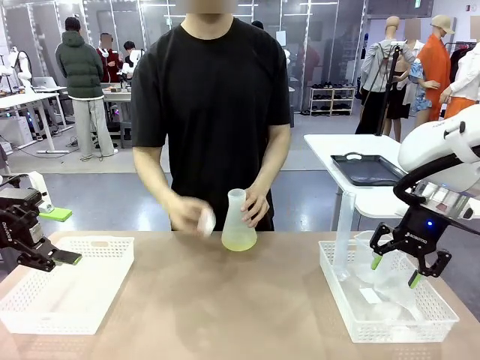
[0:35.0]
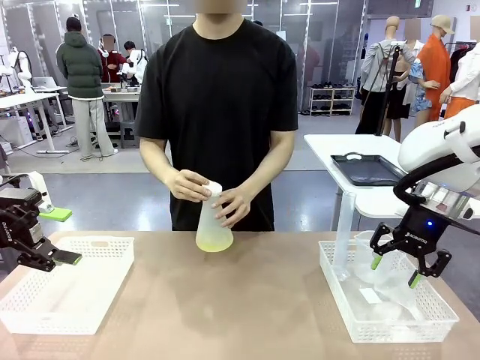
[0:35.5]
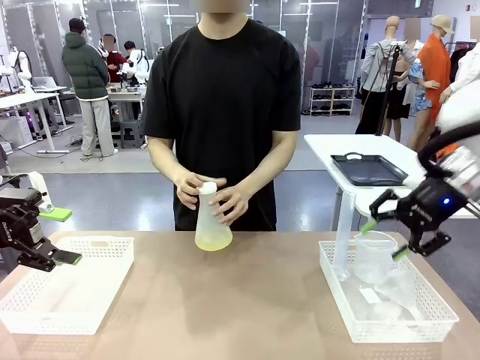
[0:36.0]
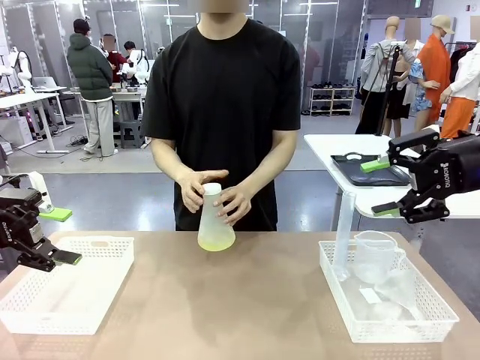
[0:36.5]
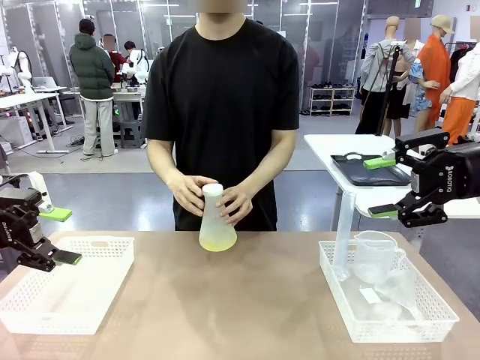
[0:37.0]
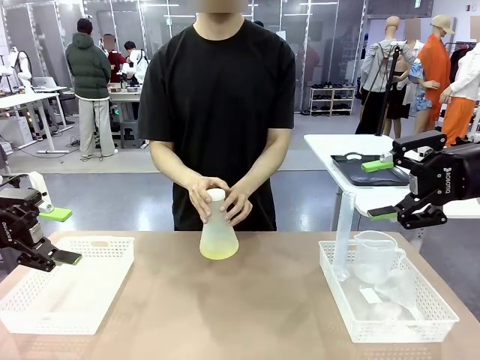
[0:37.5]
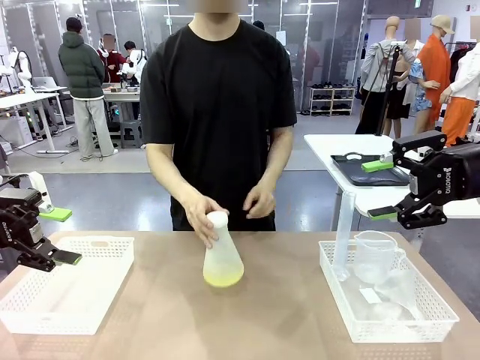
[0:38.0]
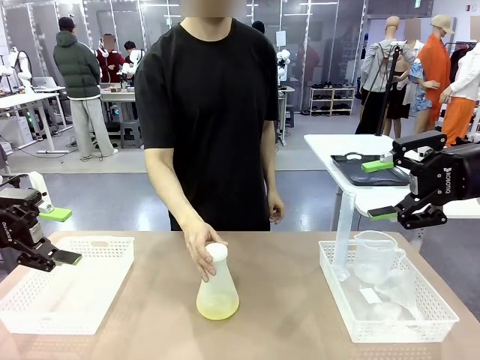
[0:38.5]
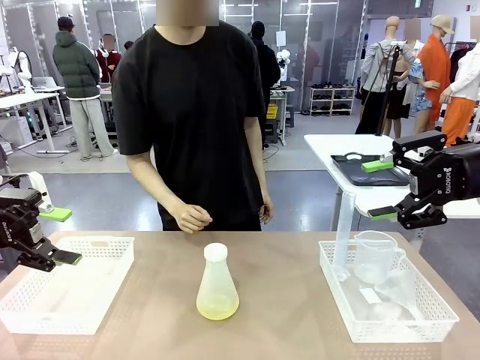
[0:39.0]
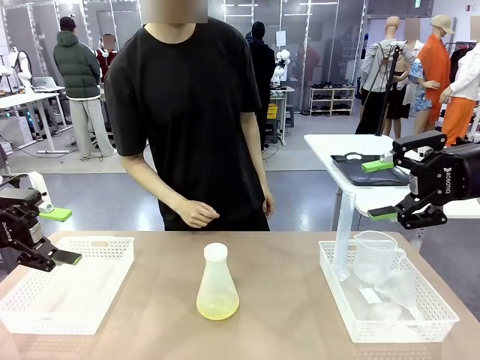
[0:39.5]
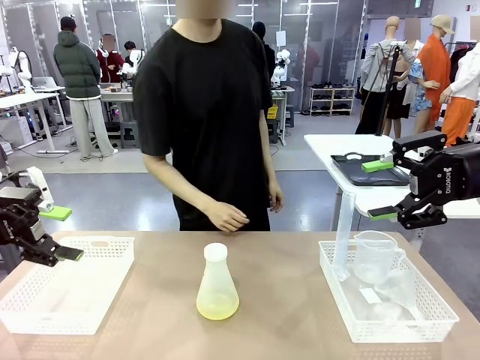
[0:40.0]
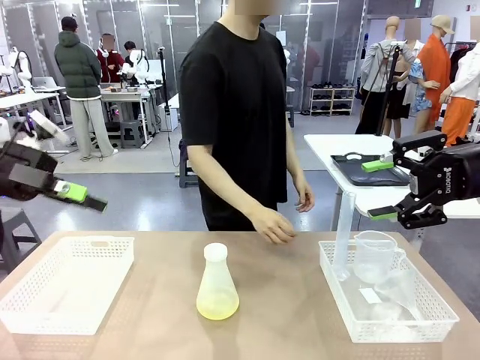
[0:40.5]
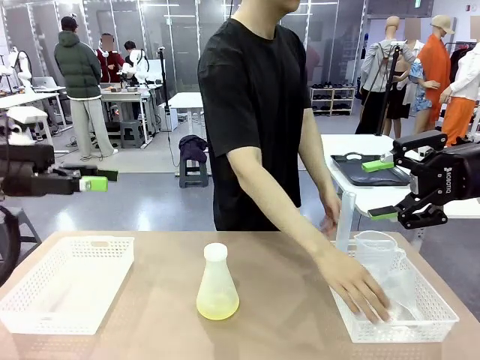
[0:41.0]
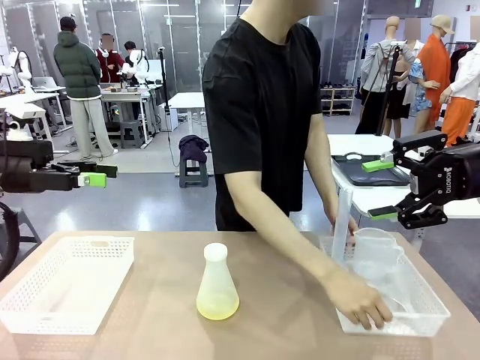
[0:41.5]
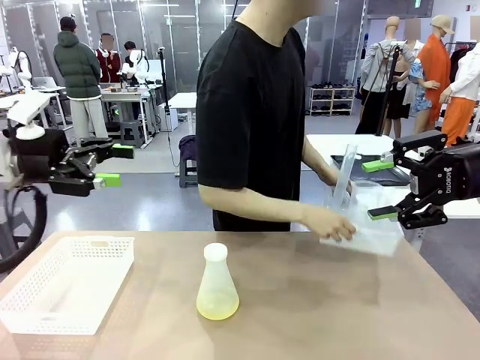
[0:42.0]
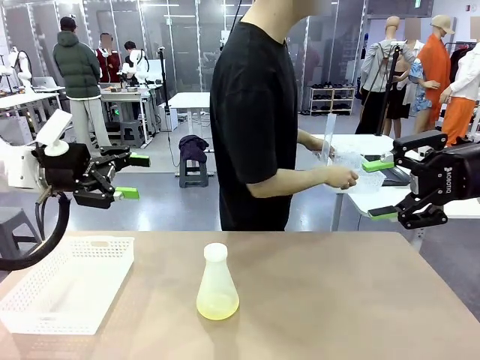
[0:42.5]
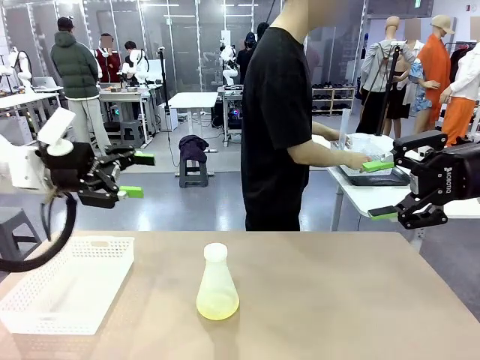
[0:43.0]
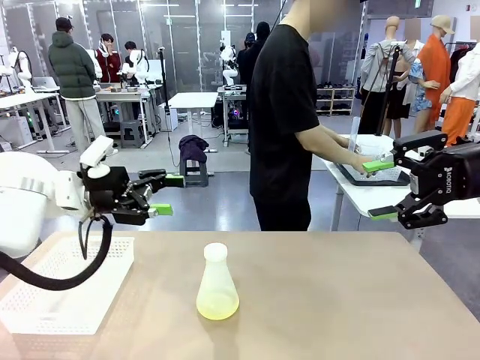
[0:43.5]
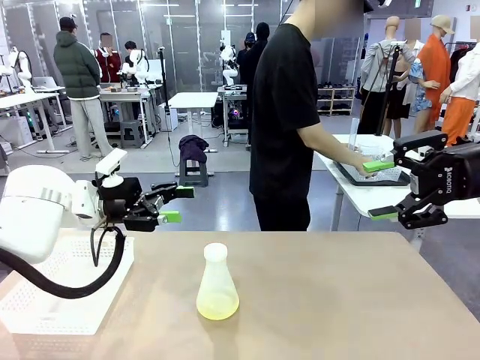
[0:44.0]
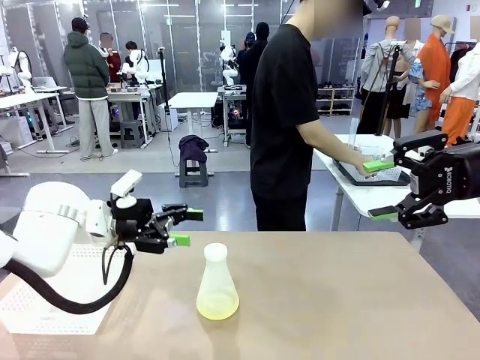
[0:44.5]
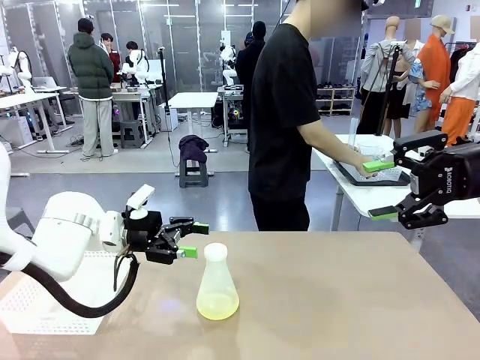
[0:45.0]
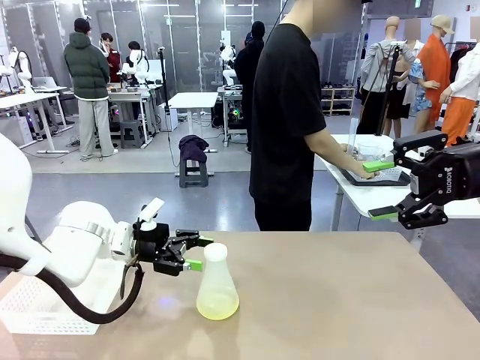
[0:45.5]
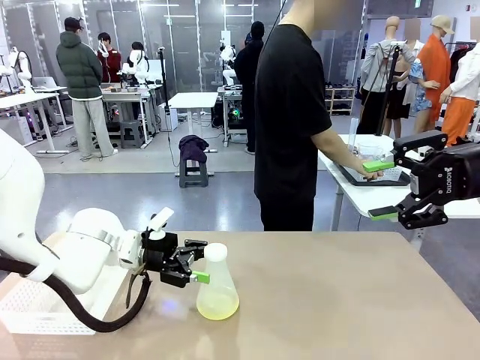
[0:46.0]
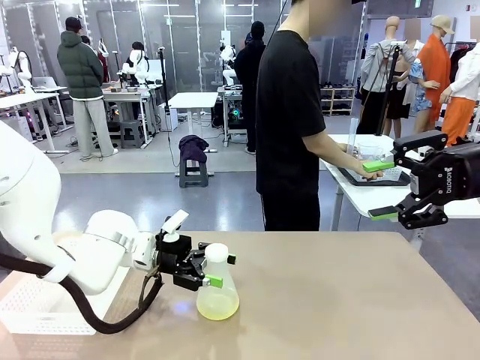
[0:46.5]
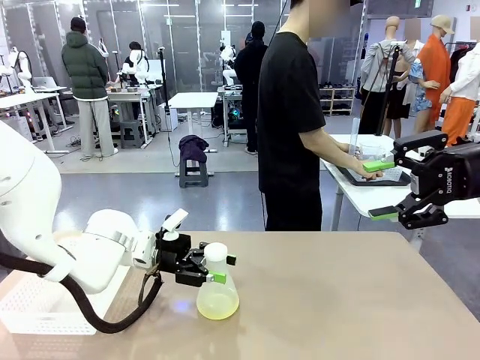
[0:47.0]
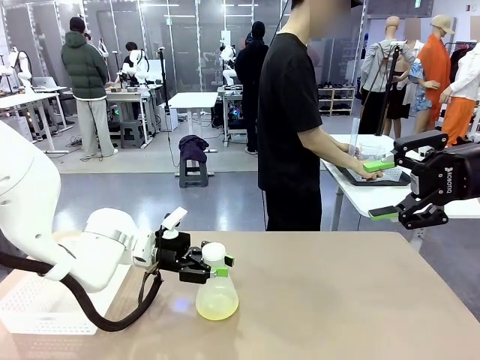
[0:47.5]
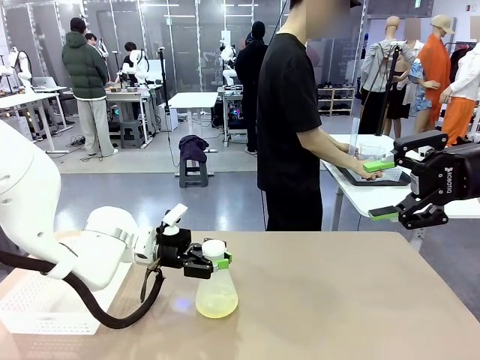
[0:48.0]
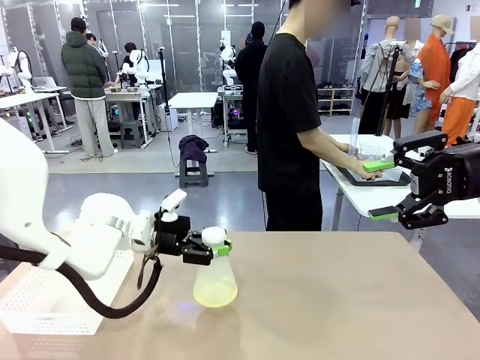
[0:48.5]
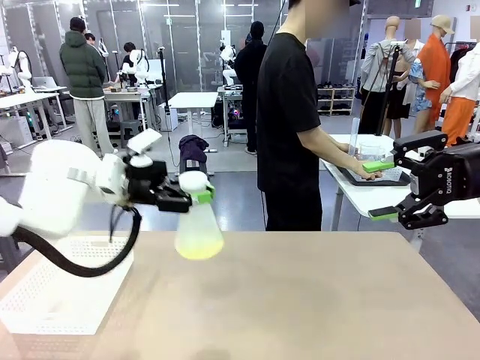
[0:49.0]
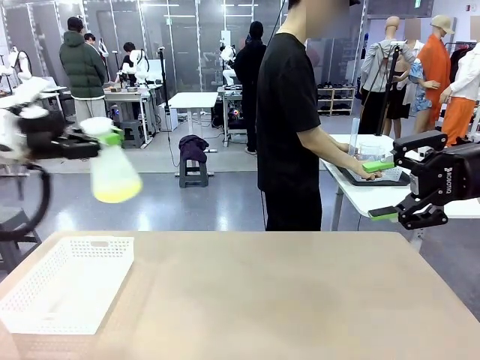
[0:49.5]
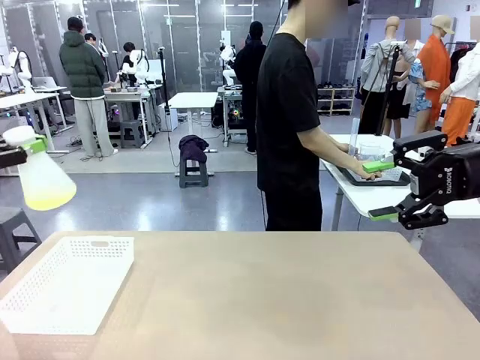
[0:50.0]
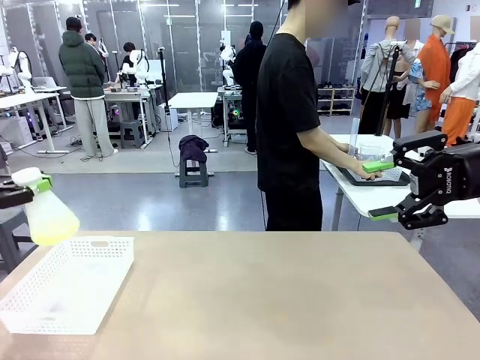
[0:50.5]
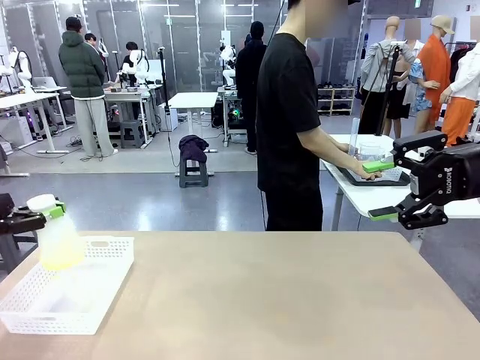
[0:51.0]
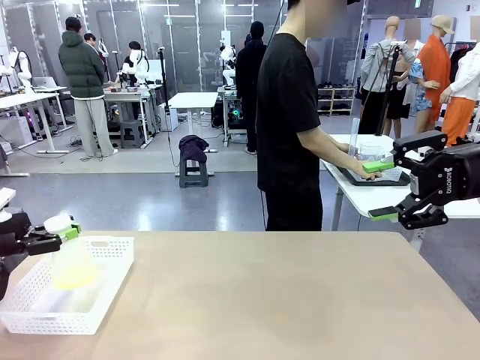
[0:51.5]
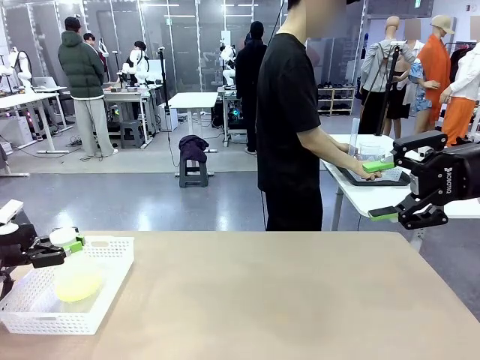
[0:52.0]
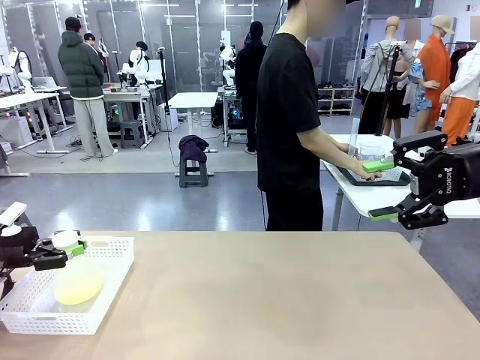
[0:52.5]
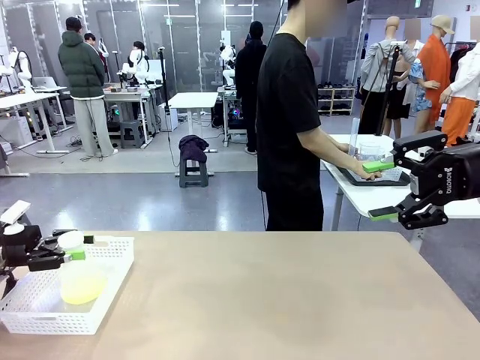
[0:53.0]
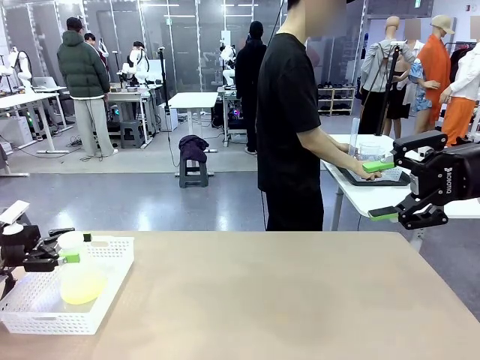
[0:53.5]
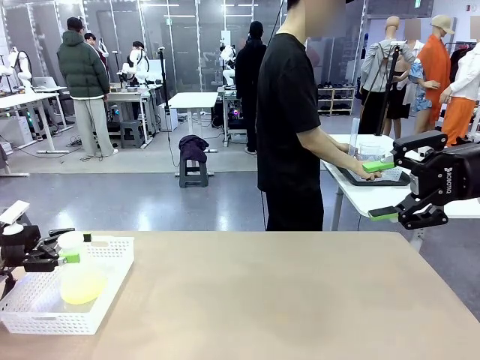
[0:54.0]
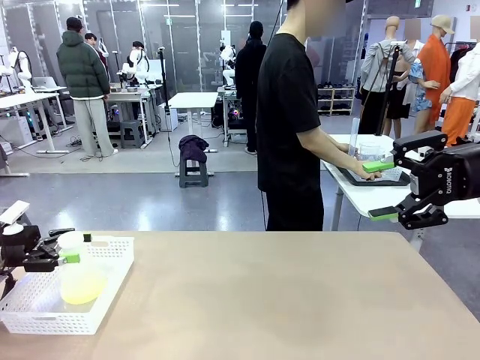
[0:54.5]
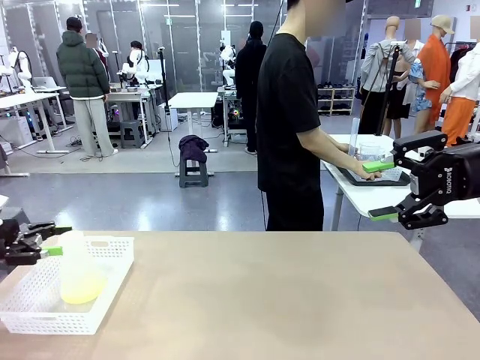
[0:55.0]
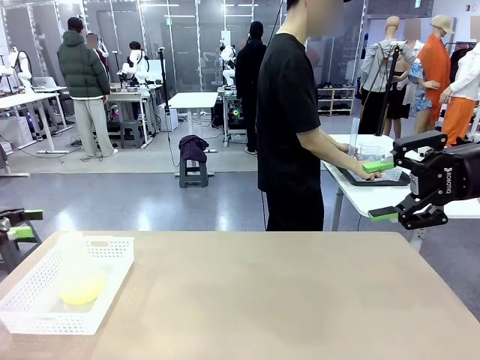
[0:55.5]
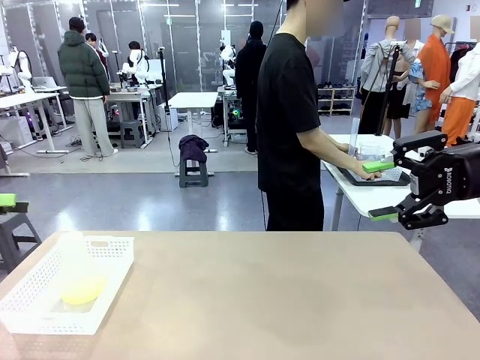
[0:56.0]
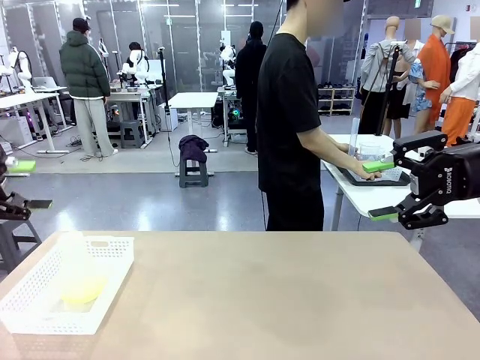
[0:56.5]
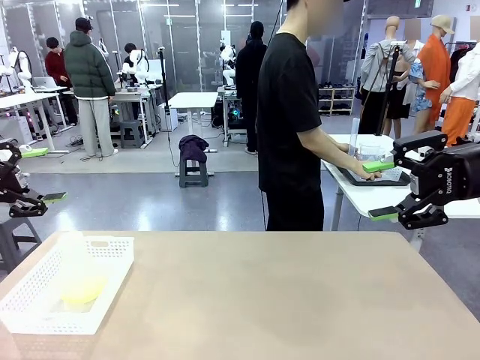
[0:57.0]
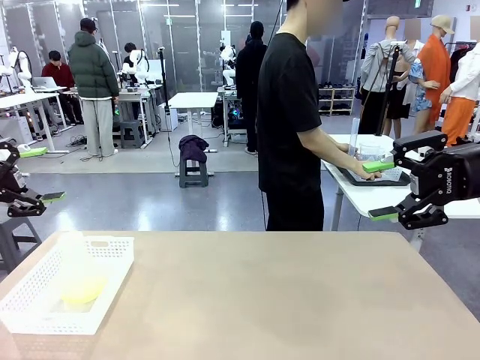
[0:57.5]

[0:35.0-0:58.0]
Task: Prepare the solutions needed for the experiment.
Robot: When the human places the Big flask in the center of the table, pick up the Big flask and place it in the left Organizing basket.
Person: Pick up the organizing basket on the left side of the robot table and place it on the left side of the human table.
